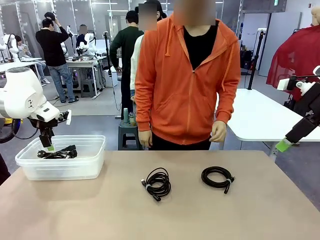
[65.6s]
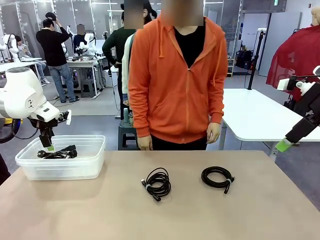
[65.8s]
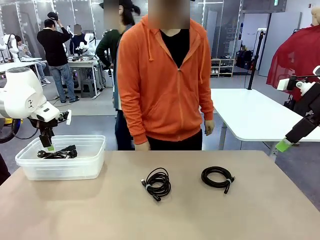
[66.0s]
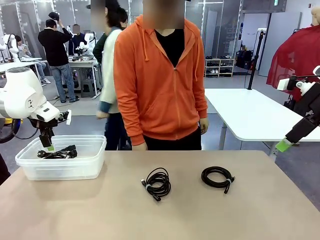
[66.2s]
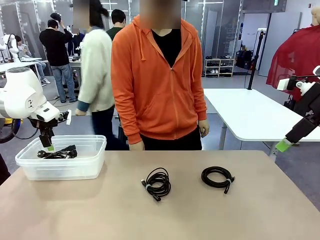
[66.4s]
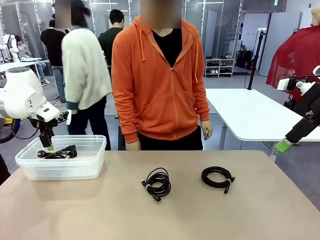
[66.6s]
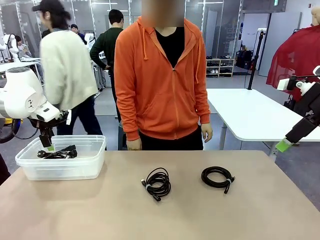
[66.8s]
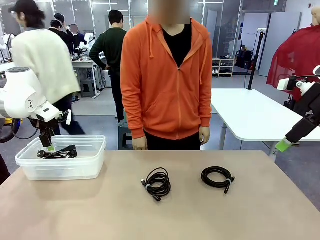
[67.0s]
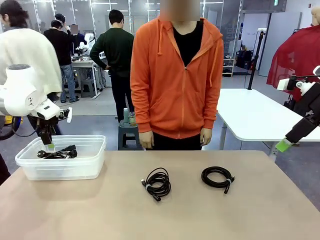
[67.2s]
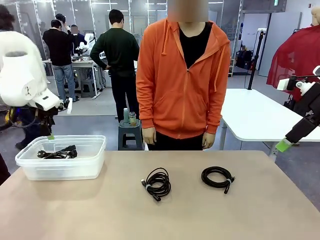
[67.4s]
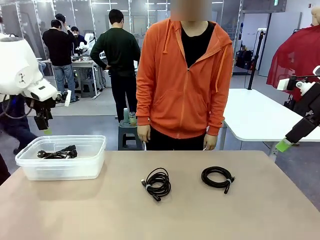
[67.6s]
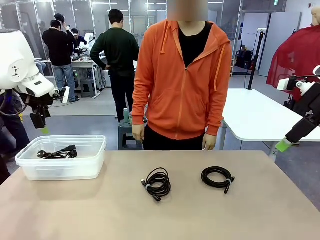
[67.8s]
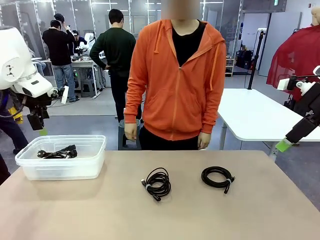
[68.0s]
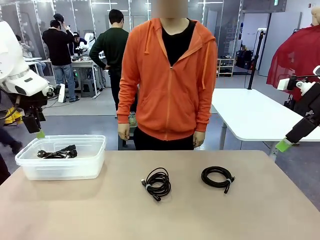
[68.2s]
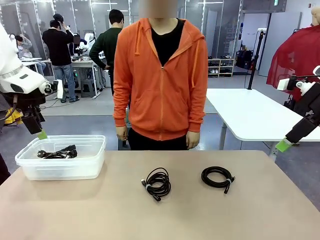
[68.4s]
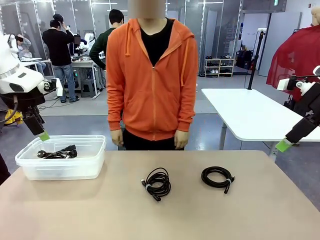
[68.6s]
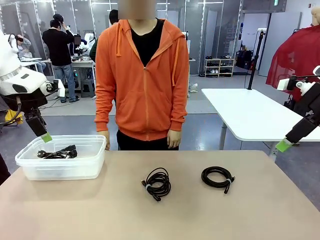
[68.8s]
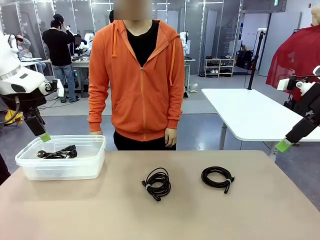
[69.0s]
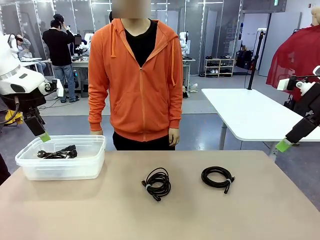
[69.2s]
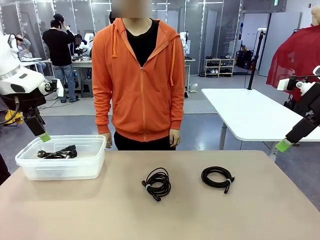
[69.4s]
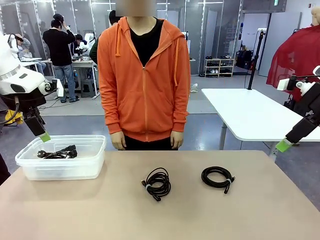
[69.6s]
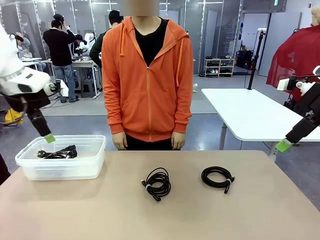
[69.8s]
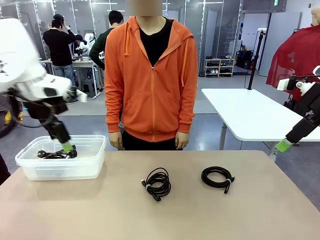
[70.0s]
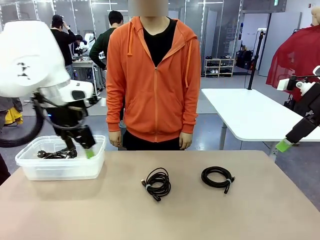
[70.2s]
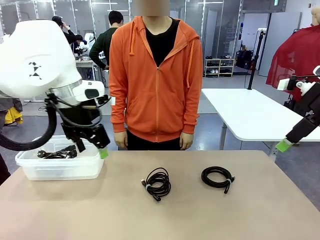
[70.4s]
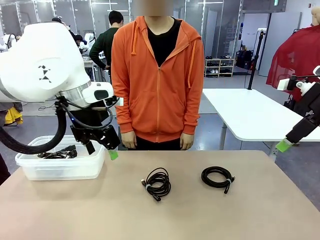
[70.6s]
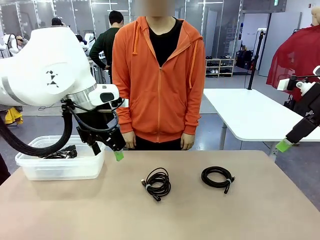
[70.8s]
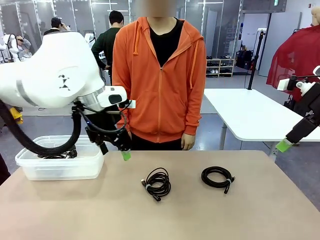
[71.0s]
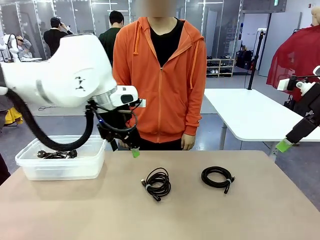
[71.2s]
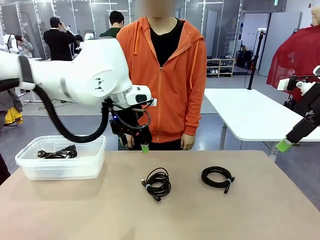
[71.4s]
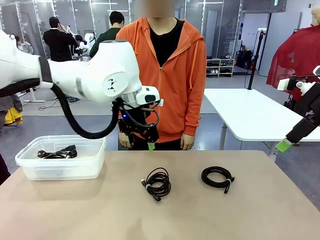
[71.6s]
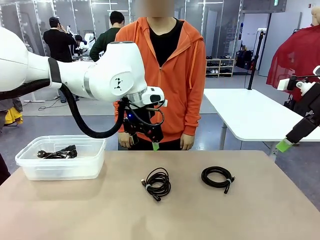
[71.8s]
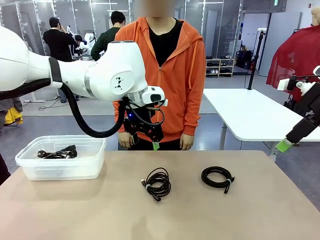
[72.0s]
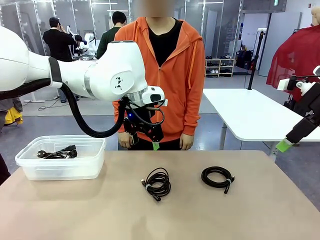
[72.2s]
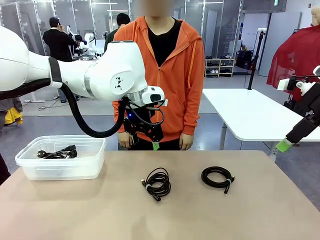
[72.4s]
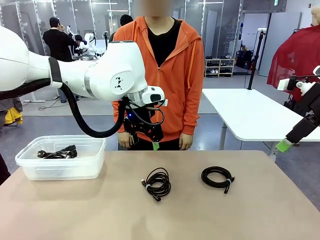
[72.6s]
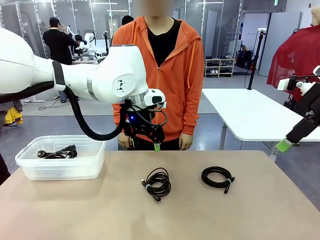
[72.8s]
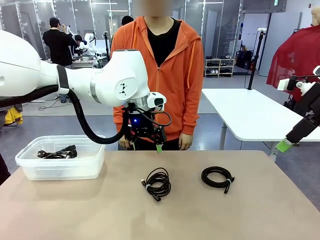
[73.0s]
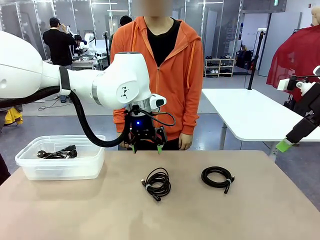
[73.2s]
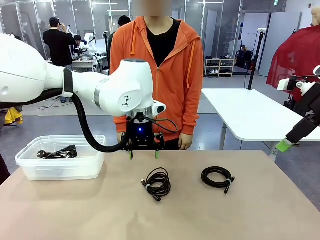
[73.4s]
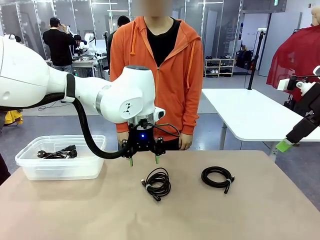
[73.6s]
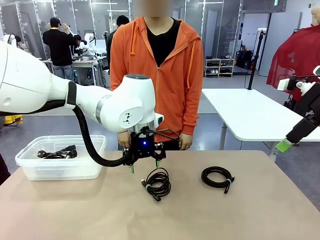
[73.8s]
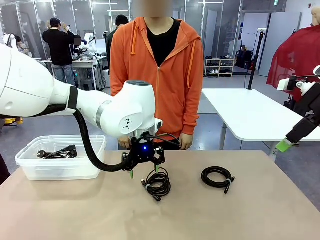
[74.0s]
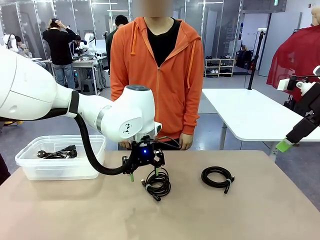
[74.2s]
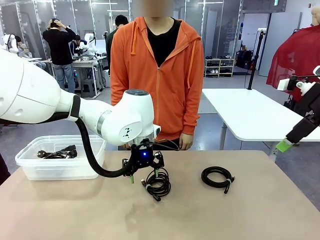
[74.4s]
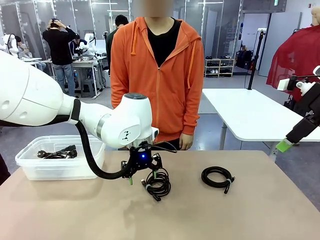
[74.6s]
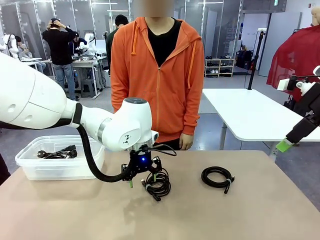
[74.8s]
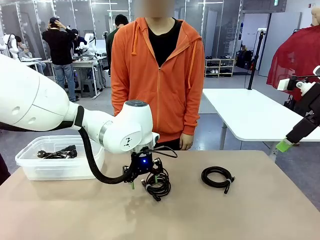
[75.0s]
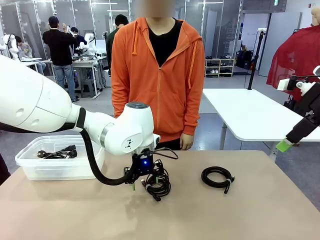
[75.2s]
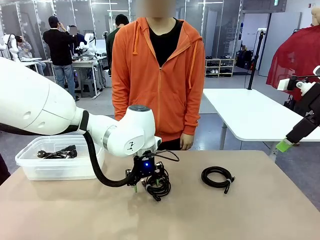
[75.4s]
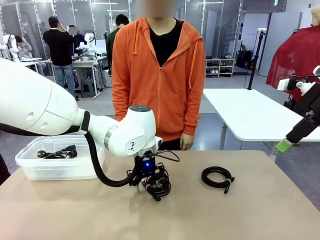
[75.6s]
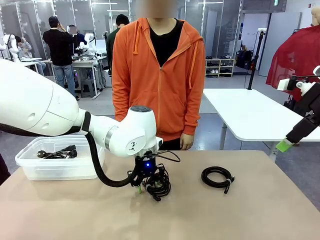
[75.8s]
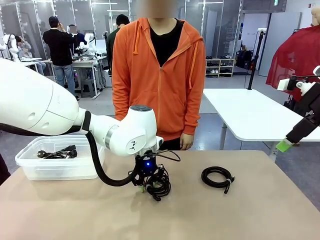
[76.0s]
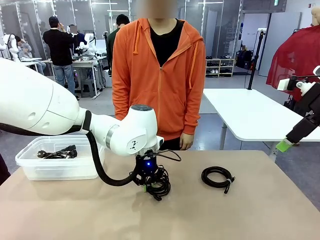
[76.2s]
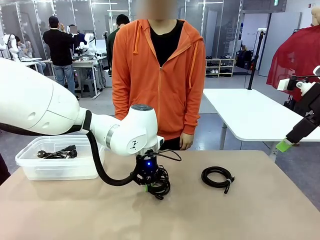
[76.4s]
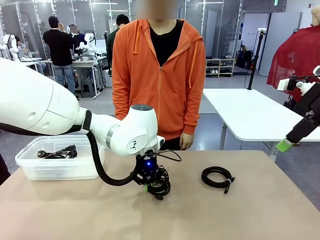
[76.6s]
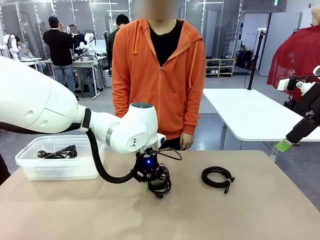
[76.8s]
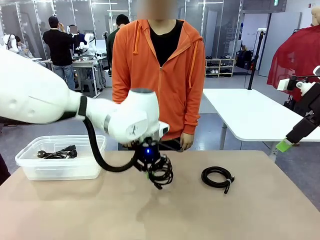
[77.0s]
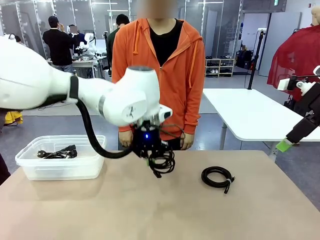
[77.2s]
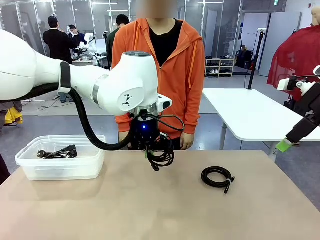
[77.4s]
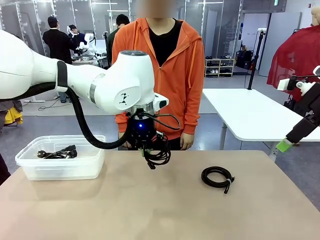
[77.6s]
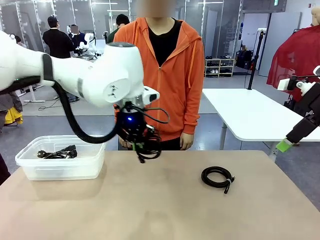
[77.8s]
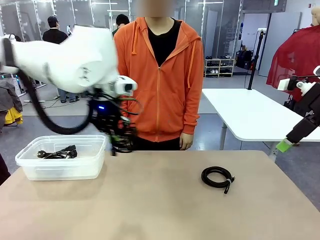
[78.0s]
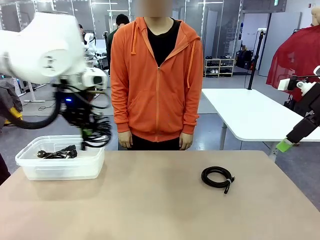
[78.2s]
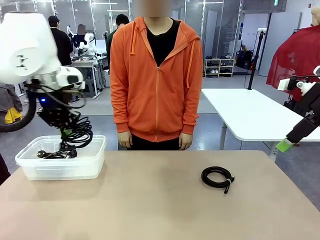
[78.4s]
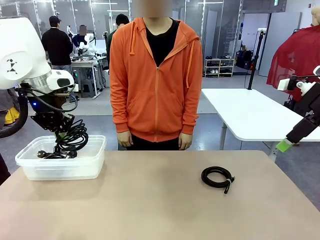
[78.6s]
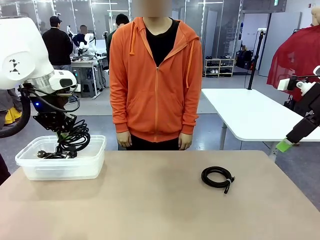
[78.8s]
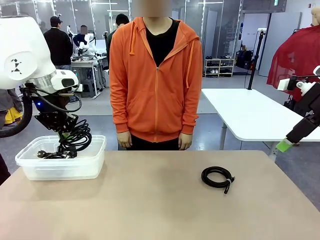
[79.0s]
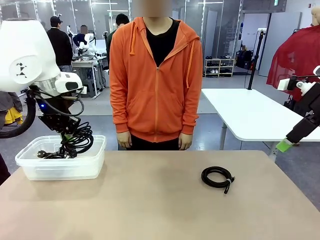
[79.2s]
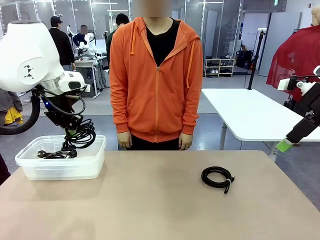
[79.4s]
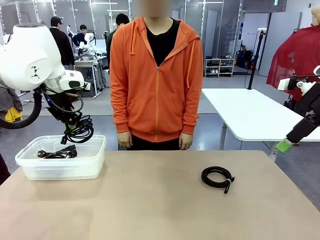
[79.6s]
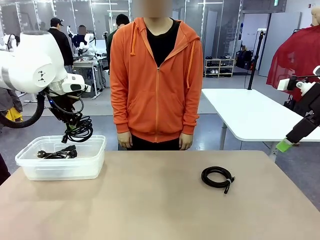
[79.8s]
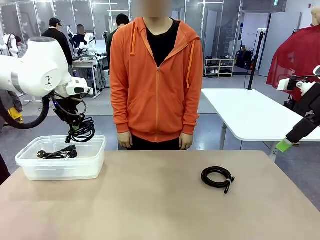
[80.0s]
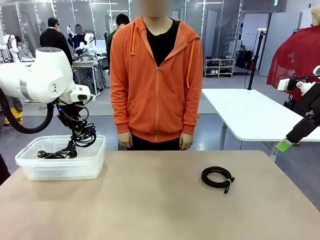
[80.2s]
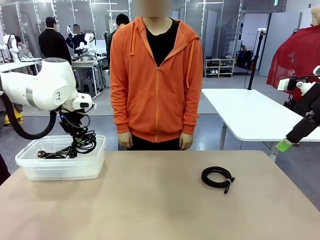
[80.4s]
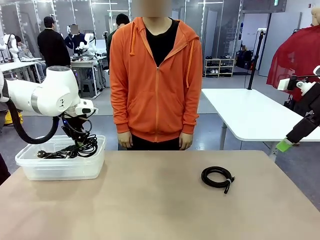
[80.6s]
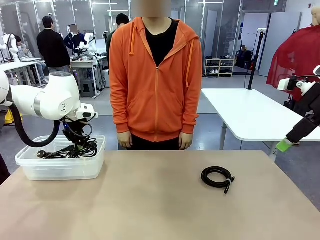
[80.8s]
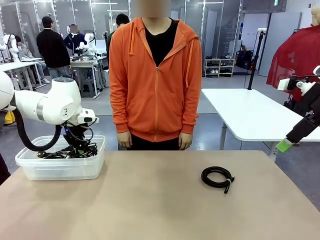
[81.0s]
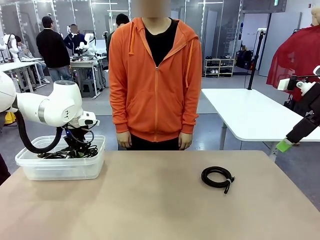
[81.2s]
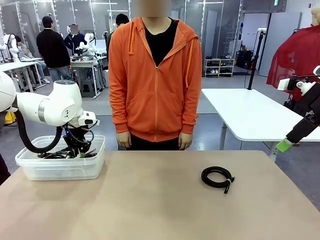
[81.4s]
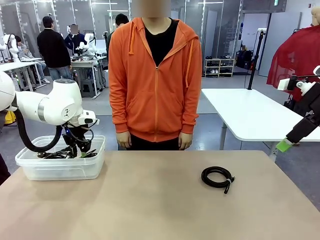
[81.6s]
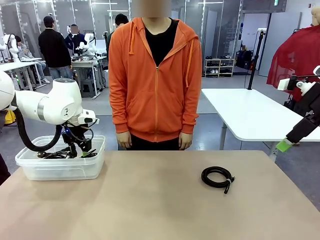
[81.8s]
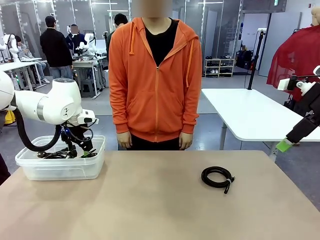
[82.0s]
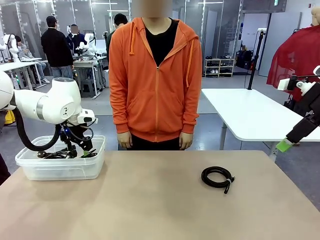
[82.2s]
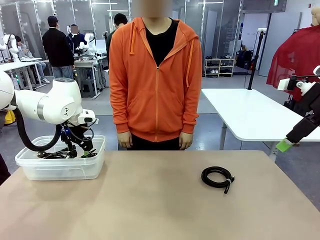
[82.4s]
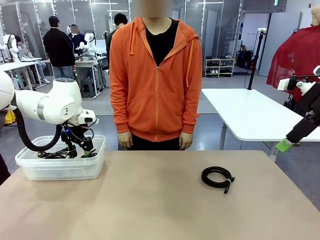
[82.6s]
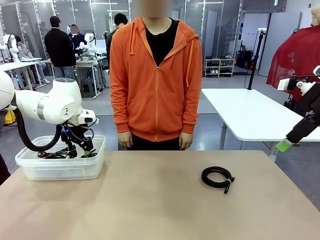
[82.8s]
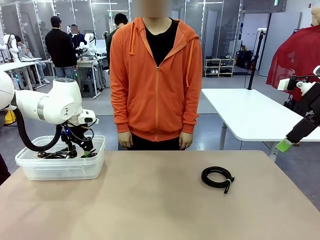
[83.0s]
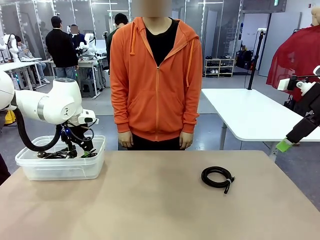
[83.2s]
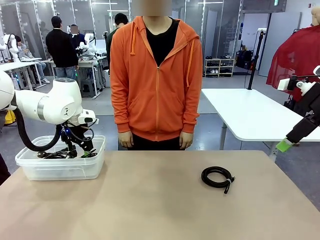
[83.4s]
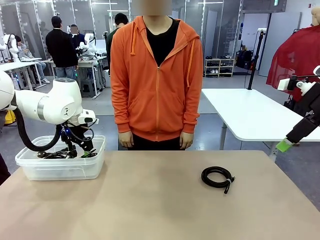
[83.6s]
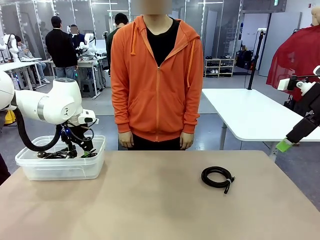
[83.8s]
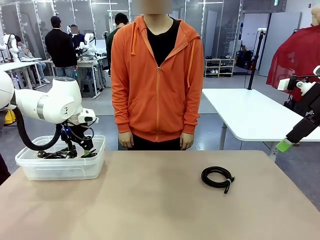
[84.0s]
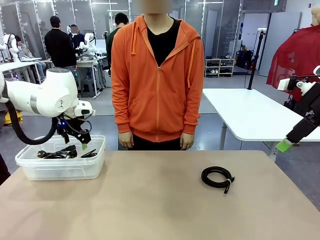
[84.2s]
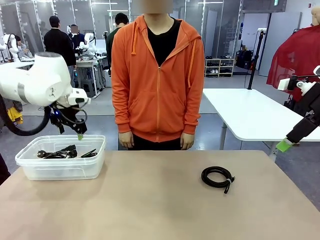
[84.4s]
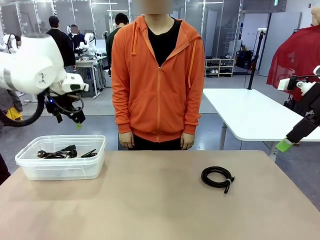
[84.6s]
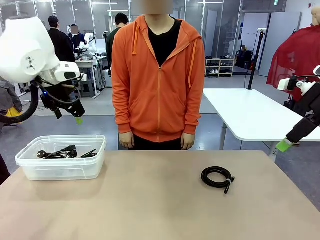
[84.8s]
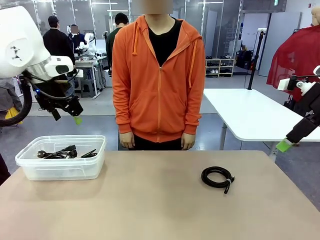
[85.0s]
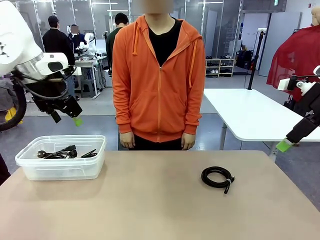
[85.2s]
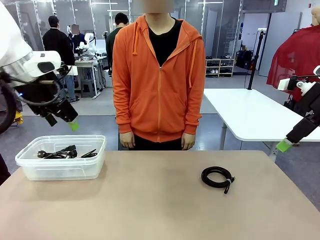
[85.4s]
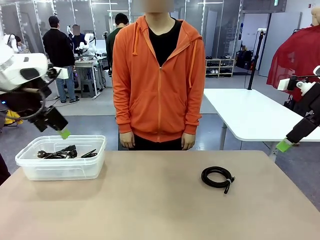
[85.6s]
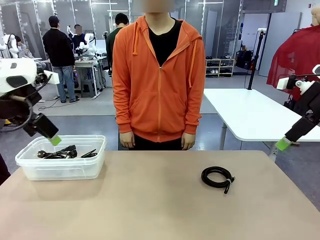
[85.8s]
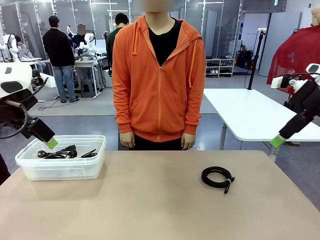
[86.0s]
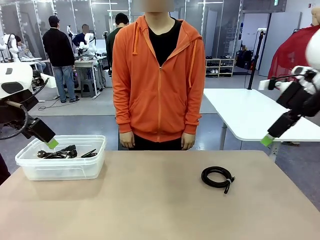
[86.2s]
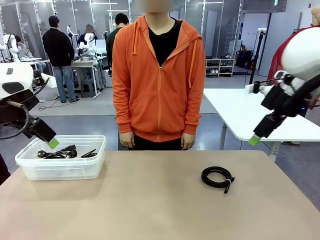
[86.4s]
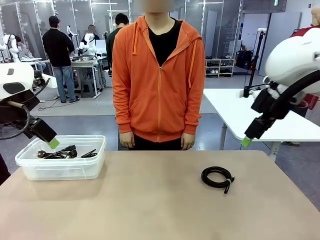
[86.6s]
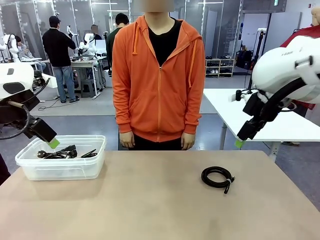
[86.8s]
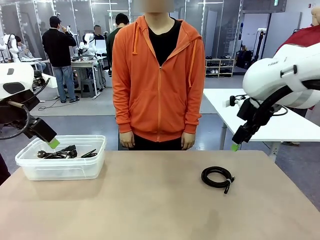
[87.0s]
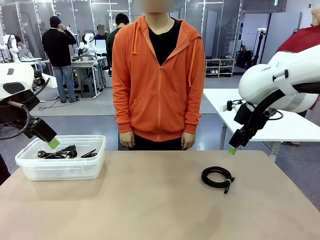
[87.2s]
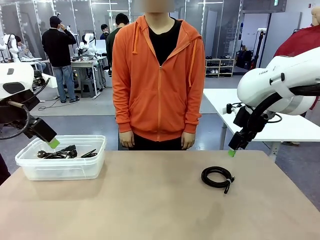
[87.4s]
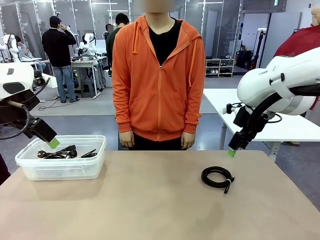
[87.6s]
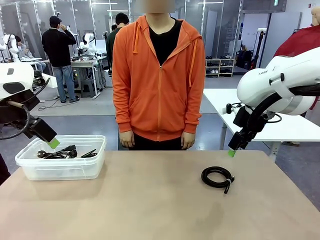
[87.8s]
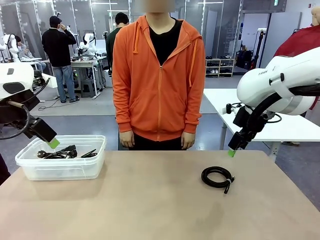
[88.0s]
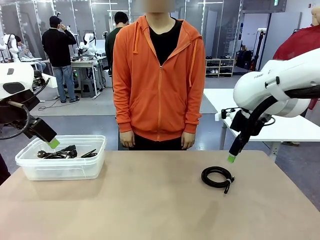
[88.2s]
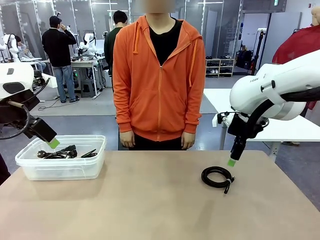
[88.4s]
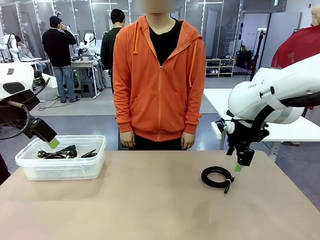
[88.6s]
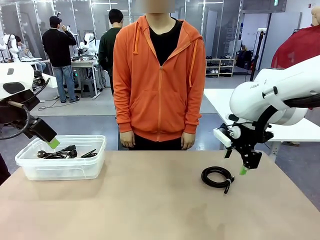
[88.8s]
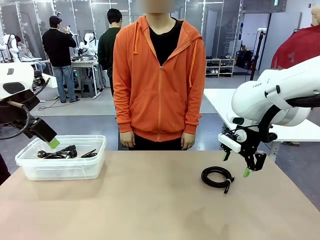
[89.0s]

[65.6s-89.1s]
Task: Organize and store the cables.
Robot: Place the USB Extension Cable into the Organizing box.
